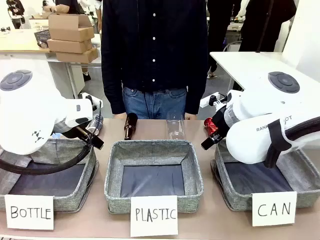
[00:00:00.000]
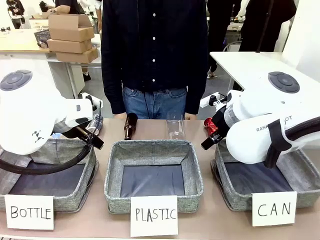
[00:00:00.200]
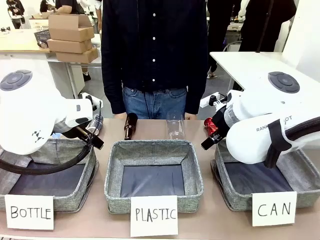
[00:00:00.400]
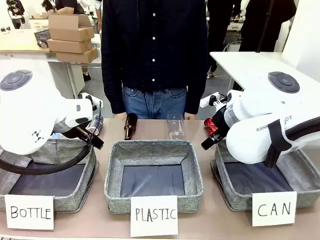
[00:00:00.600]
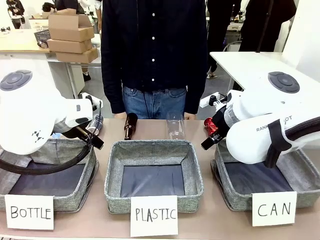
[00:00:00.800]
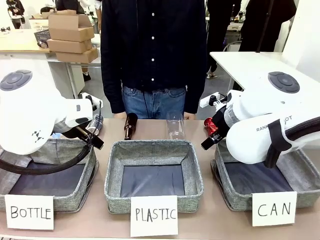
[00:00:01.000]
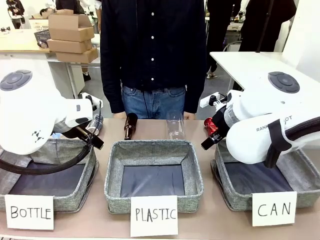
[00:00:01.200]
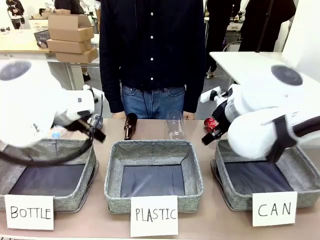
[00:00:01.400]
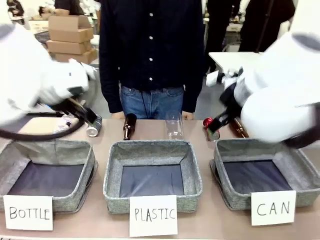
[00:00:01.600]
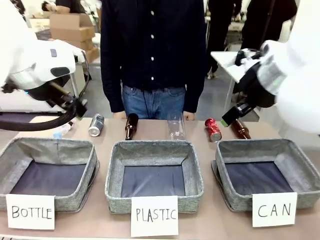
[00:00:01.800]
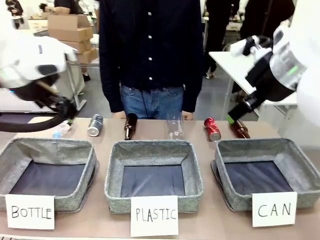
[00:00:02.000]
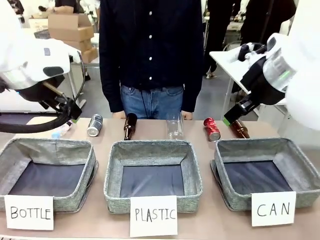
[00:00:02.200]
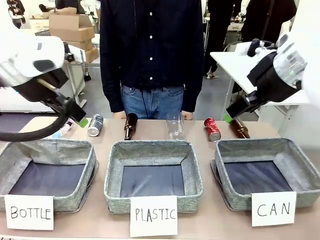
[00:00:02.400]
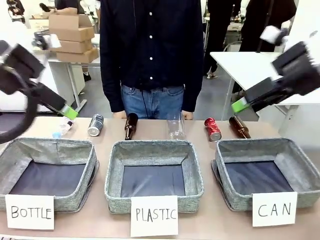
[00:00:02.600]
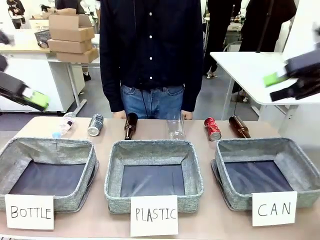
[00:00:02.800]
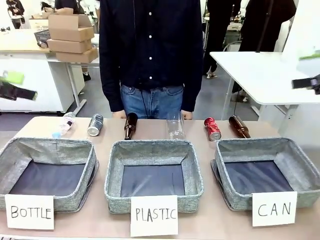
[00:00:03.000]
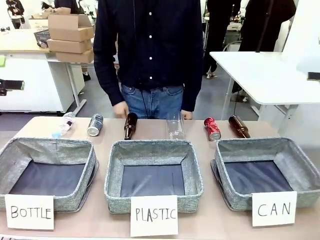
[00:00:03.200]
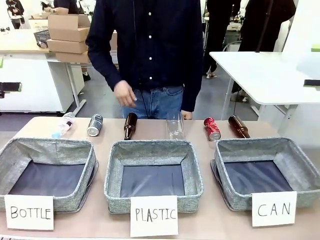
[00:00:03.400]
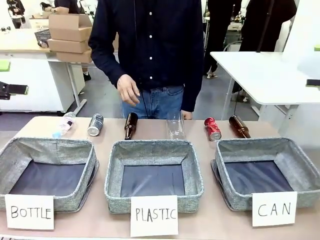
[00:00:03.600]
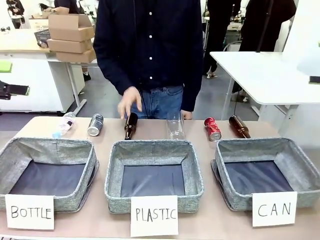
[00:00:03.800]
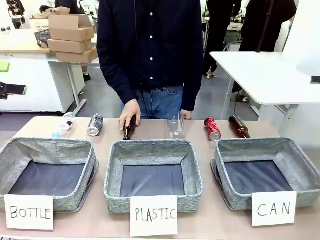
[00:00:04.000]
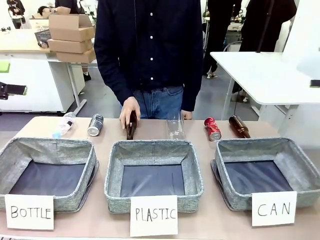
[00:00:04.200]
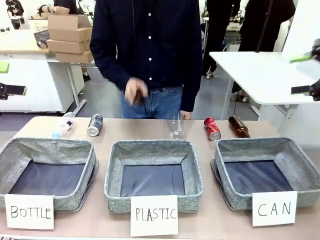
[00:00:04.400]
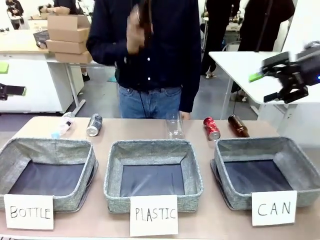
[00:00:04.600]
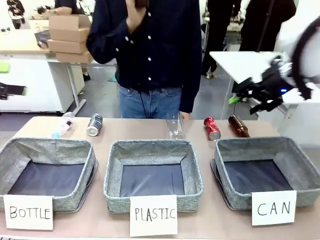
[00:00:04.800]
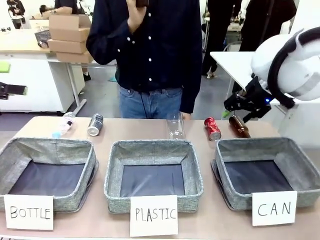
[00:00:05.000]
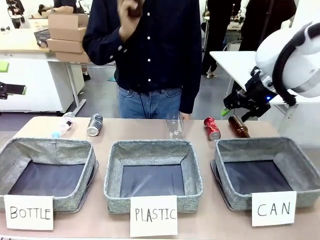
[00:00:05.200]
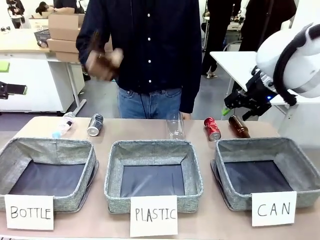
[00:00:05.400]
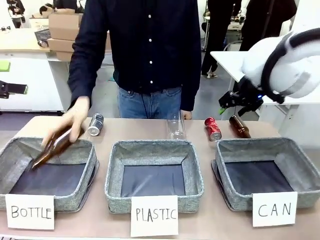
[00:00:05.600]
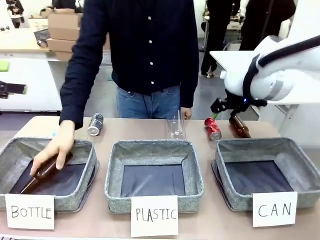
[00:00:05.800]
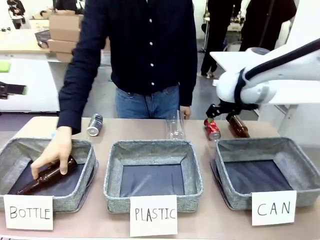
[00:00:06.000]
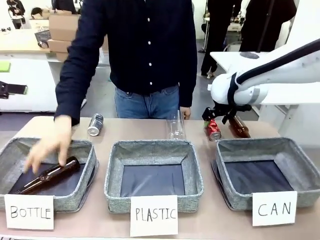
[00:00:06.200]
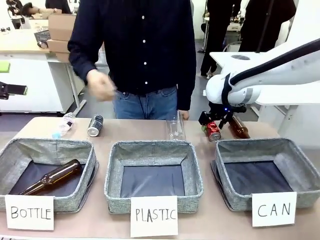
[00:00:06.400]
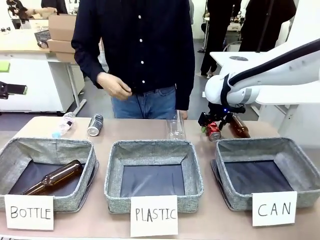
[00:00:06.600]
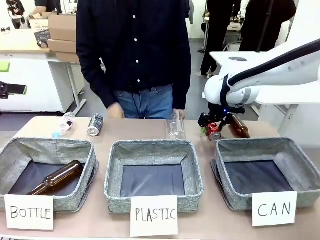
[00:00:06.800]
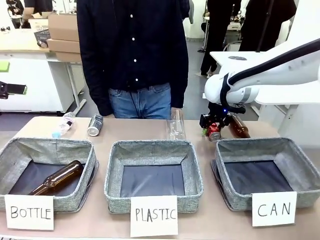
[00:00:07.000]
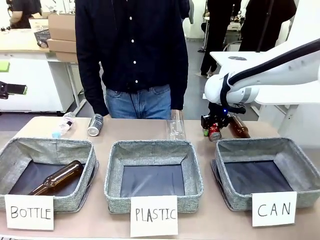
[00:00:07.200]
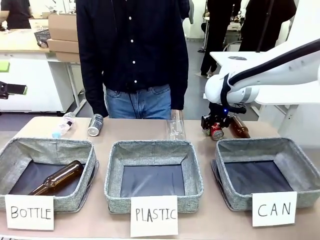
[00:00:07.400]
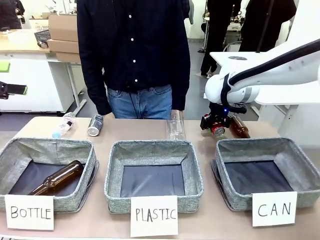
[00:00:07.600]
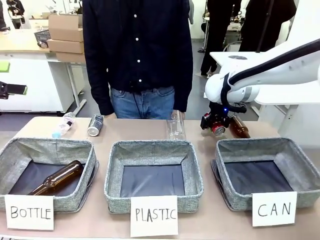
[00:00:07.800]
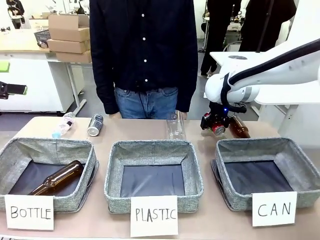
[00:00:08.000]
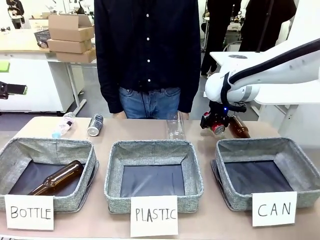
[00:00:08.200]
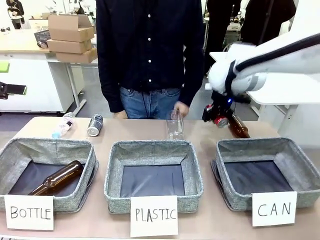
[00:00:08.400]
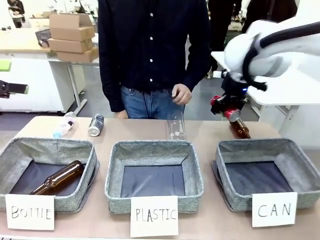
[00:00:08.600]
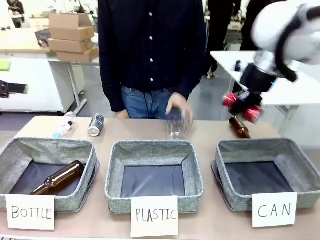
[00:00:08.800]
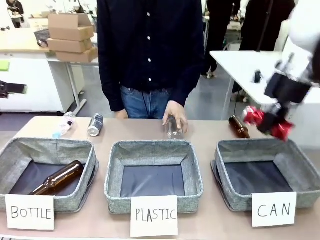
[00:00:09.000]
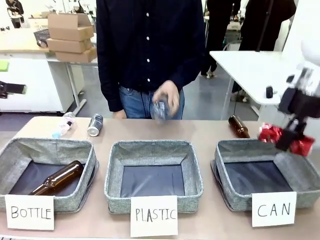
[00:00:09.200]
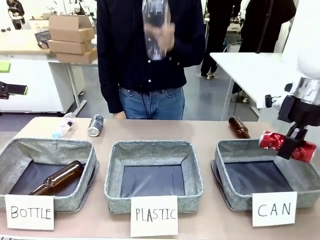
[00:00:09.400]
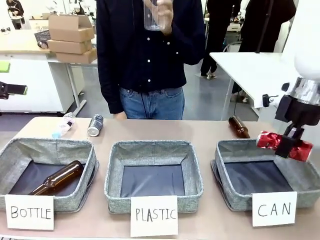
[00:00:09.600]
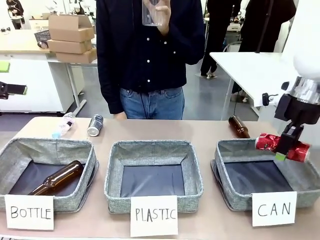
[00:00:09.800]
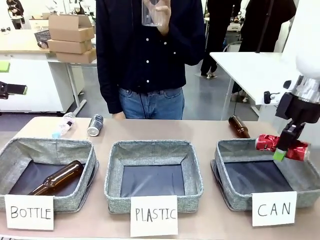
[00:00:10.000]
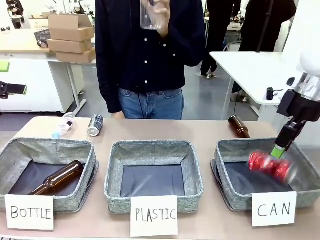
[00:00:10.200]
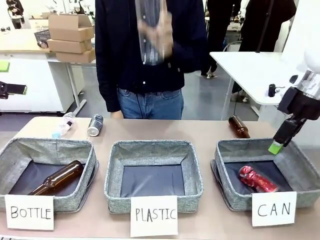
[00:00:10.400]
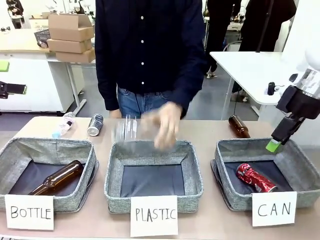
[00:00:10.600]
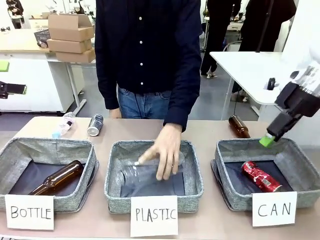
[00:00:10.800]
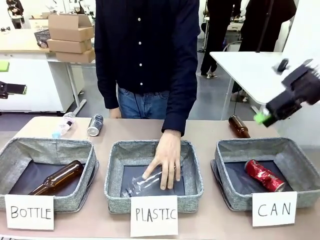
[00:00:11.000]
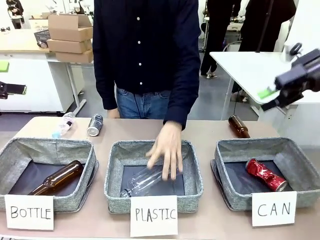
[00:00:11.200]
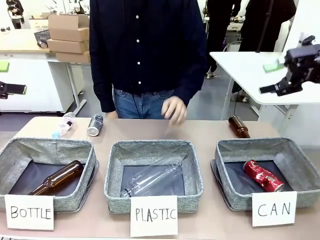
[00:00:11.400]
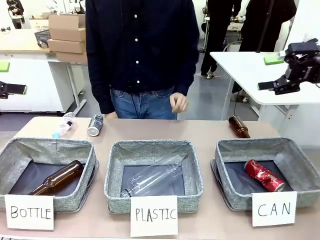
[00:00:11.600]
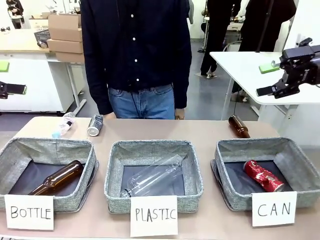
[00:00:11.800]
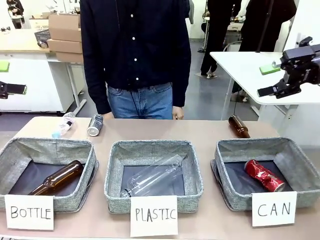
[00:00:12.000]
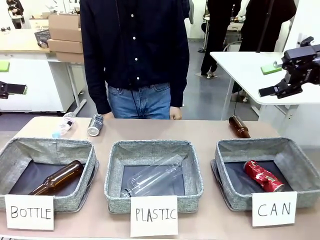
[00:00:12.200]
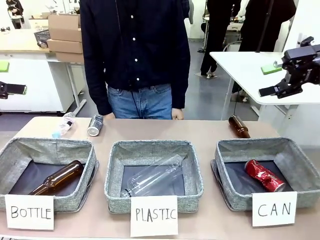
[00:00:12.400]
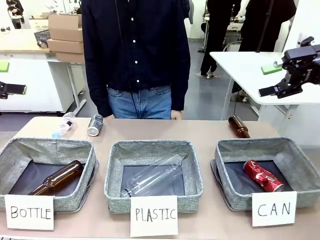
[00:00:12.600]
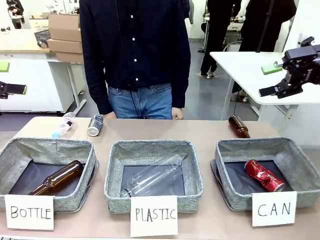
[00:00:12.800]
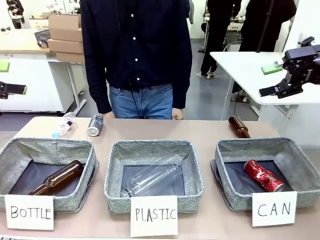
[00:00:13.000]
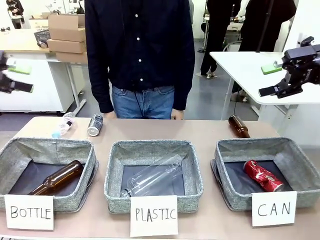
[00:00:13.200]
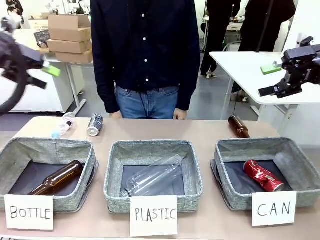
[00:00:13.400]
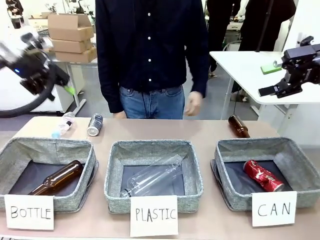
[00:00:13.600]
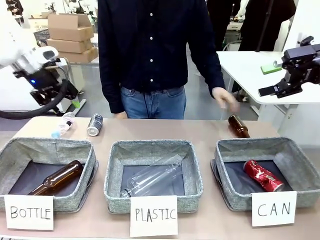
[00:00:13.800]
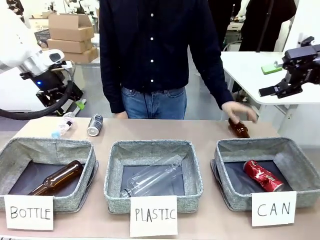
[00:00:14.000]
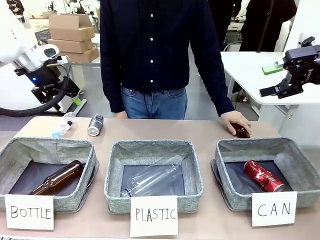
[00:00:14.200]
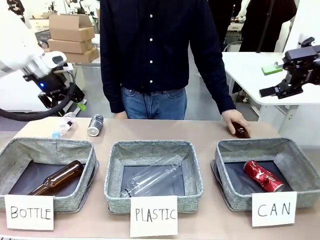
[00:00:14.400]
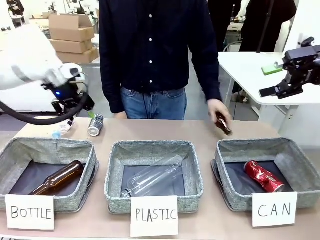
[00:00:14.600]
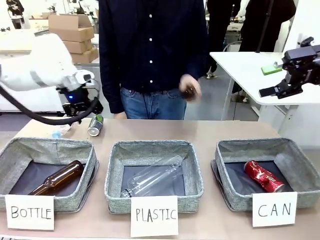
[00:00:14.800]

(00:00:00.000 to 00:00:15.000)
Task: Sort the can waste into the basket.
Robot: Pick up the can waste from the table and place it in the right Fabric basket.
